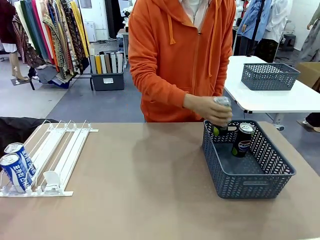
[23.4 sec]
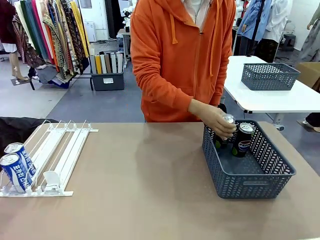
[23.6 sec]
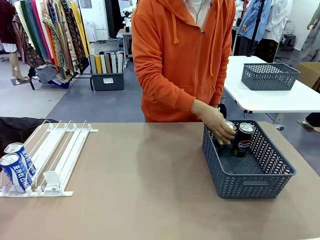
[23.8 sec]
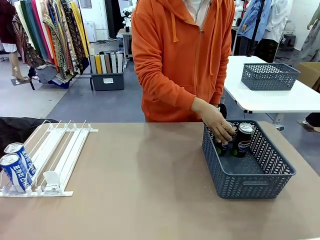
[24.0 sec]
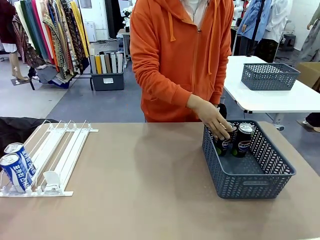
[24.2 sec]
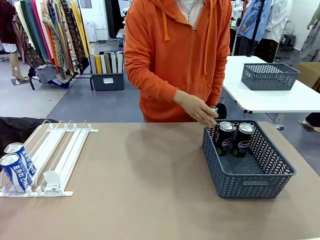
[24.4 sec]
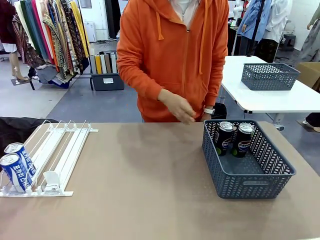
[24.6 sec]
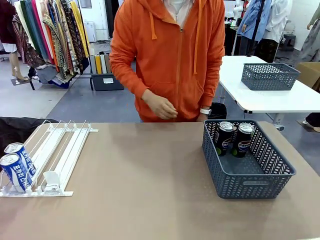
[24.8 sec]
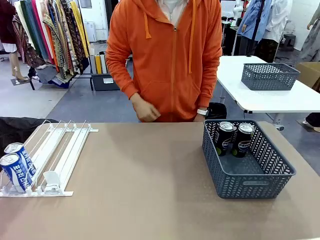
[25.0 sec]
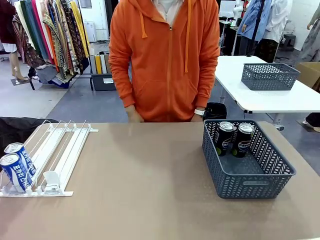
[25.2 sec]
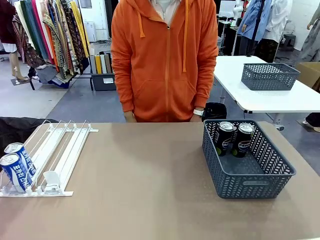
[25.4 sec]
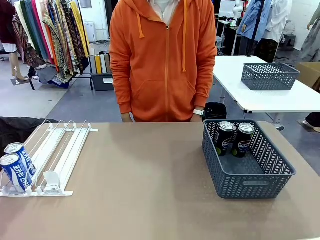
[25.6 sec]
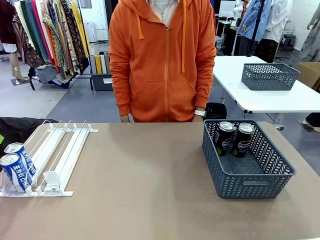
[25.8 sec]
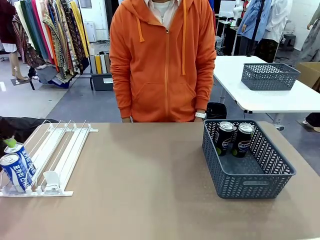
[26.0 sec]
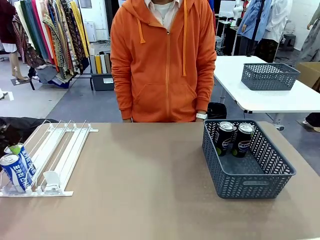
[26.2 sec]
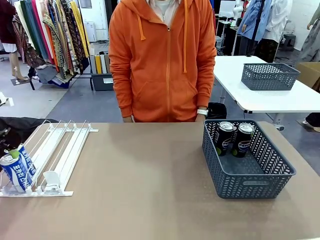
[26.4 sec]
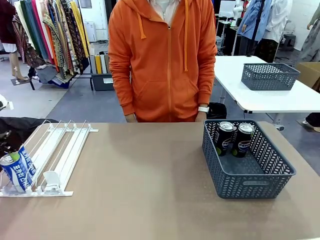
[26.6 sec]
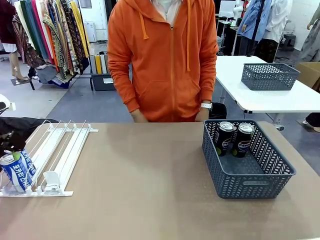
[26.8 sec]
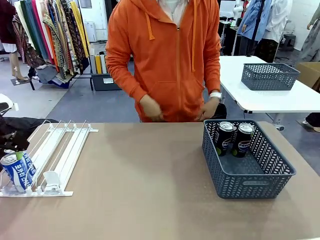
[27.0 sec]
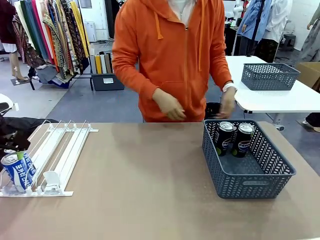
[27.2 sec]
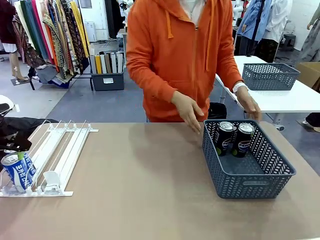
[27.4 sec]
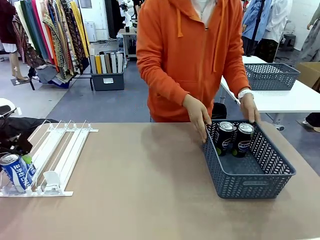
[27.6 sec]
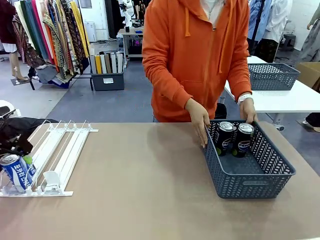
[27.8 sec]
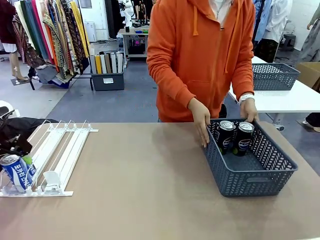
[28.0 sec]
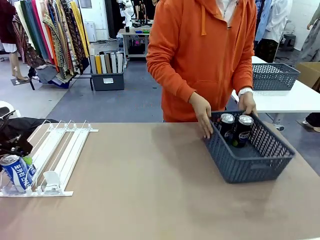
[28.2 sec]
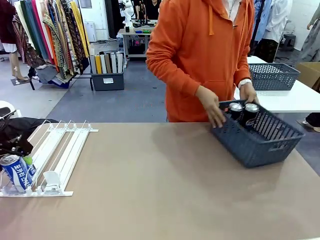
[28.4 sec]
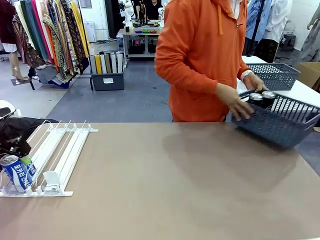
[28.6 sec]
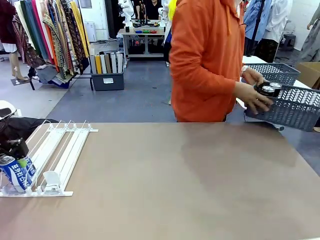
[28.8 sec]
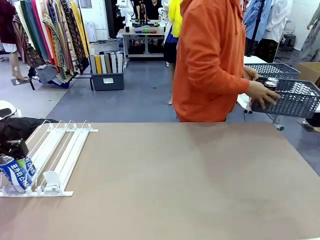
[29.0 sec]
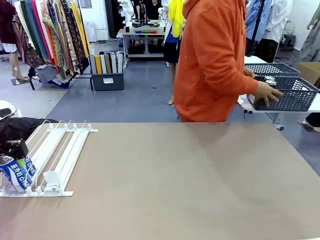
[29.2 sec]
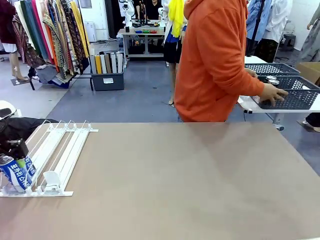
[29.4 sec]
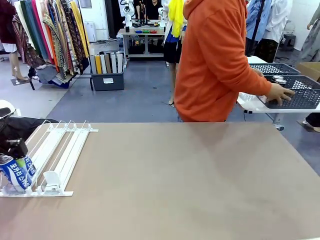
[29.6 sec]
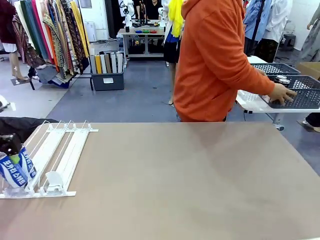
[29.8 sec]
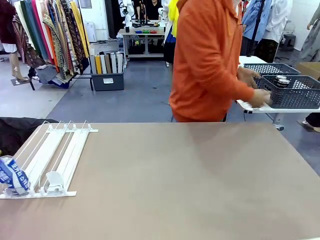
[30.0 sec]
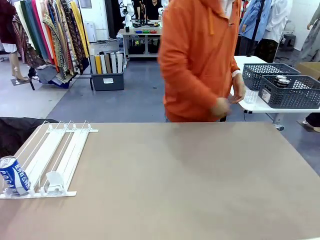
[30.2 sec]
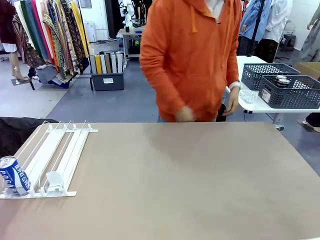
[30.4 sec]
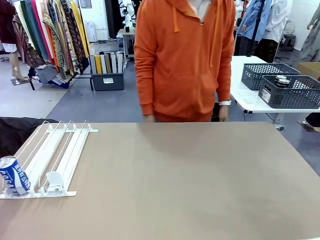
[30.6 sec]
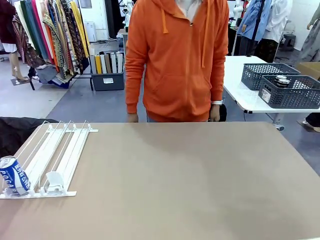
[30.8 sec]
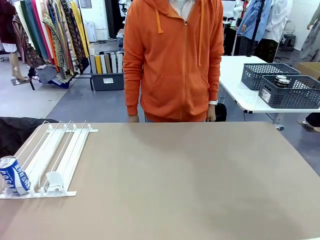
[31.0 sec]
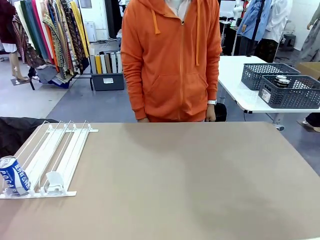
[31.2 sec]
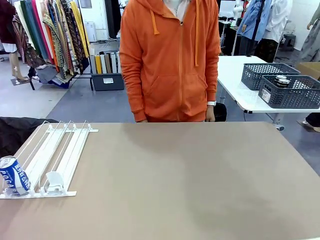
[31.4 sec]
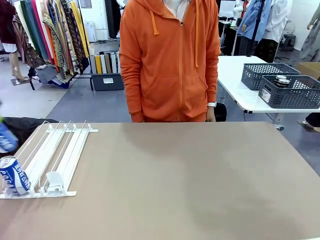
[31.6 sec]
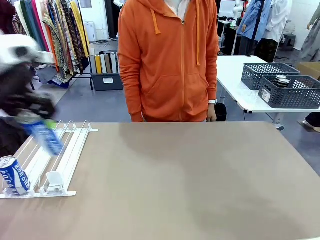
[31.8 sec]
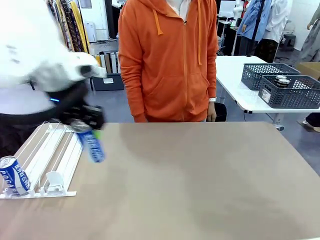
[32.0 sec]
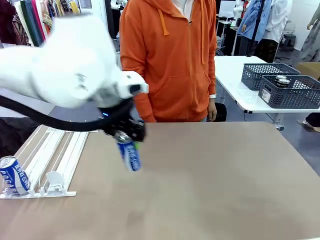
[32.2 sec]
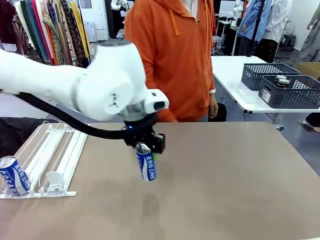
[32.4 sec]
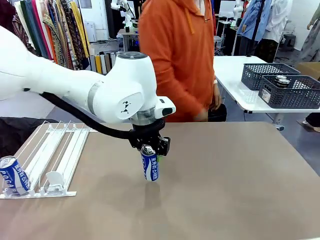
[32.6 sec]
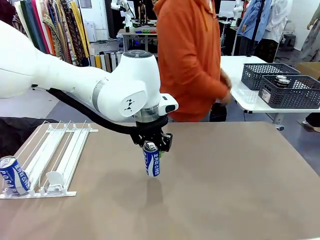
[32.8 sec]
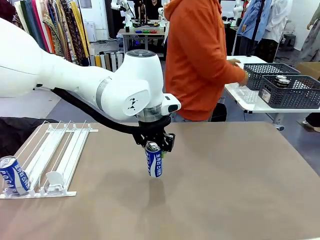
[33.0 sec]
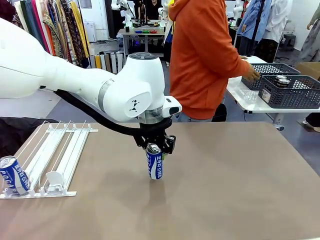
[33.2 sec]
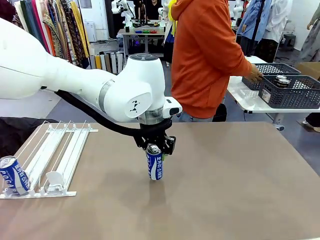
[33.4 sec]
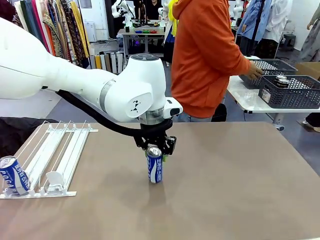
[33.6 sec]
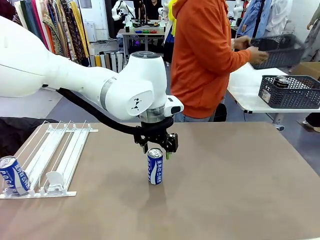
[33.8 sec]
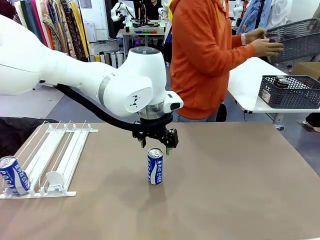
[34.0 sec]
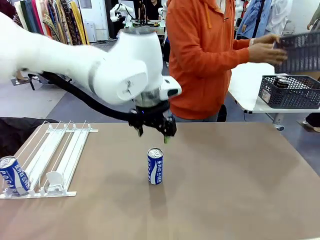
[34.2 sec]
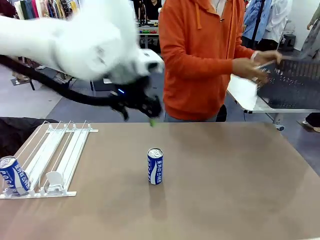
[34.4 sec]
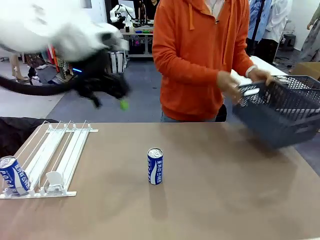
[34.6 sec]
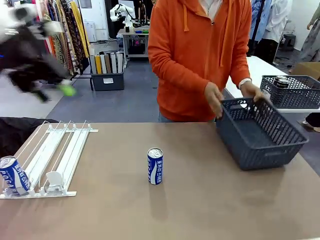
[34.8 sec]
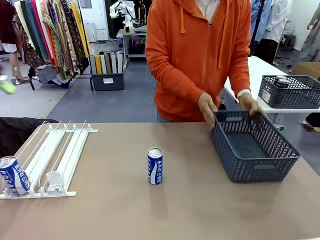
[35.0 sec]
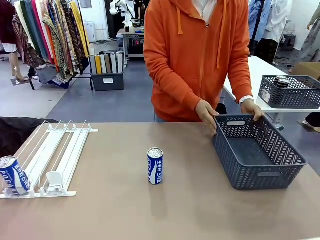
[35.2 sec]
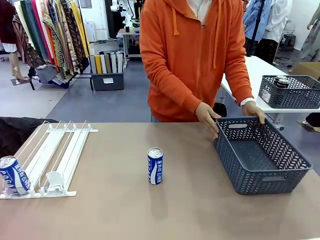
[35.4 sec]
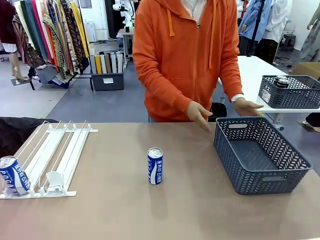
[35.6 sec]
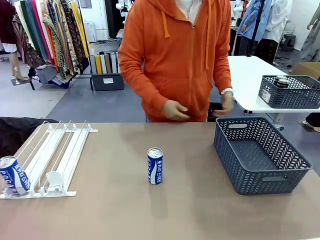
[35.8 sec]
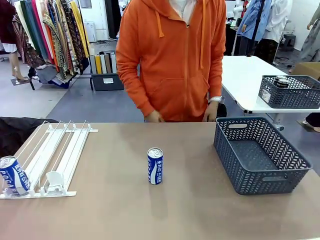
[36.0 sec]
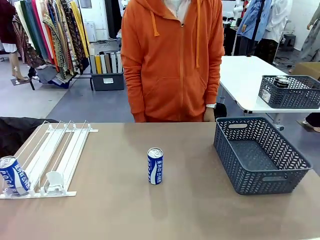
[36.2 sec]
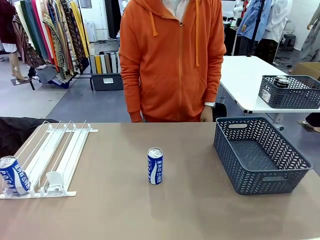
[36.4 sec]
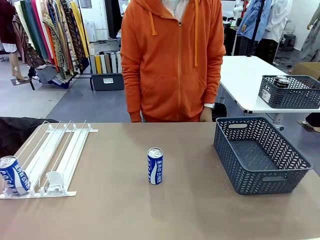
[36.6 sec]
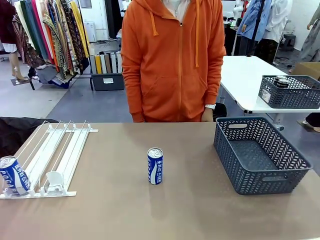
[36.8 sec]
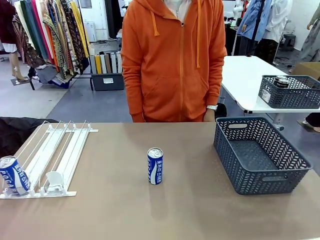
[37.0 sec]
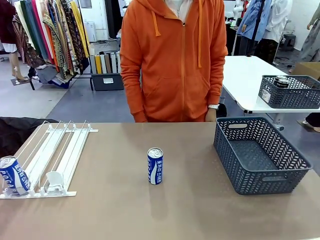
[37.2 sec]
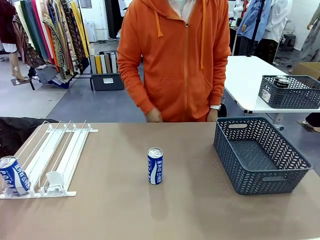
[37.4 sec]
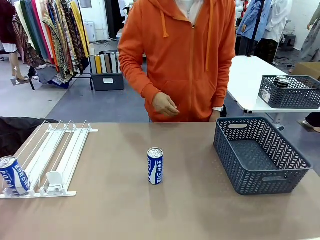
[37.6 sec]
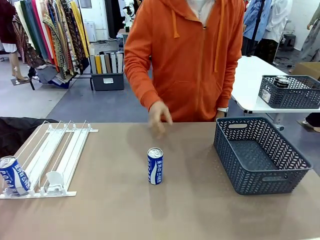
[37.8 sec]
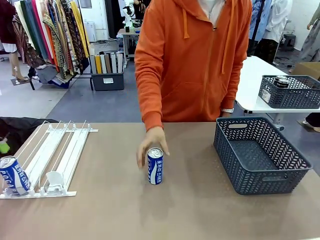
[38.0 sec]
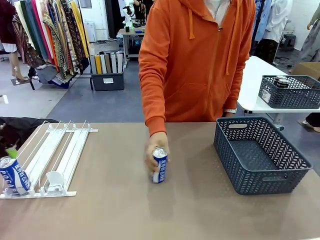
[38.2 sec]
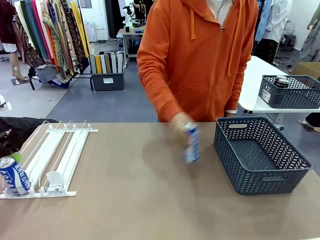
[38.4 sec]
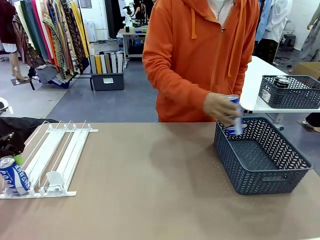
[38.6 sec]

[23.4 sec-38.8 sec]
Task: Retrieve and store the cans from the dispenser.
Robot: Pick up one can from the Automatic Can Dispenser and place it in the middle of the table.
Person: Pick up the basket and place it in the middle of the human table. Pick up the empty basket and place it on the left side of the robot table.

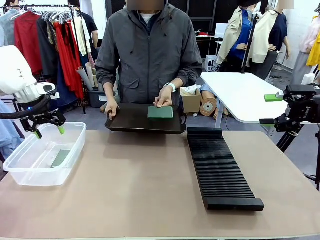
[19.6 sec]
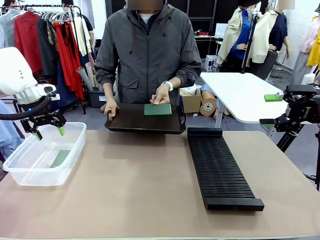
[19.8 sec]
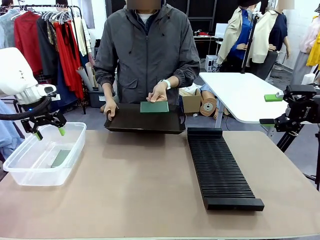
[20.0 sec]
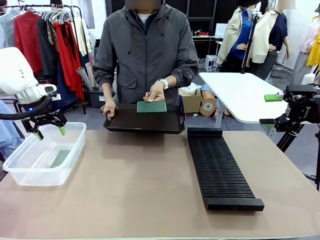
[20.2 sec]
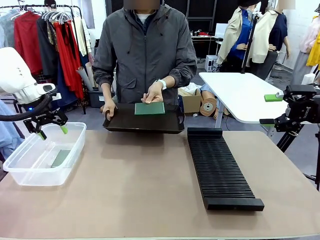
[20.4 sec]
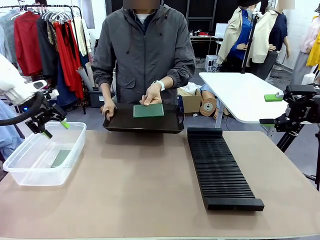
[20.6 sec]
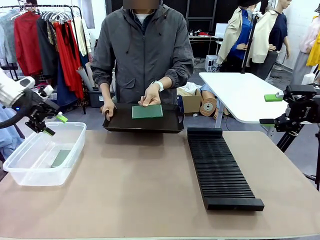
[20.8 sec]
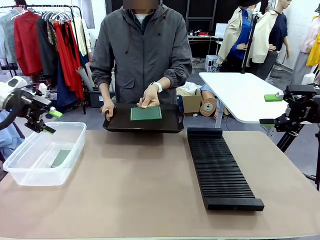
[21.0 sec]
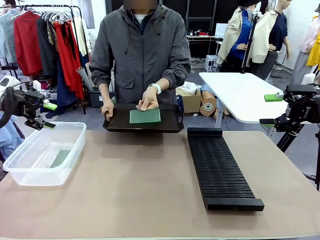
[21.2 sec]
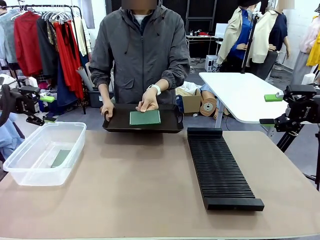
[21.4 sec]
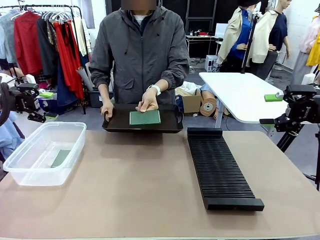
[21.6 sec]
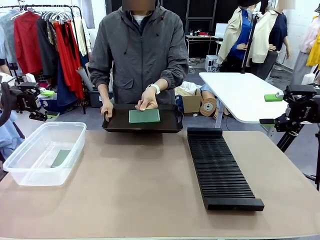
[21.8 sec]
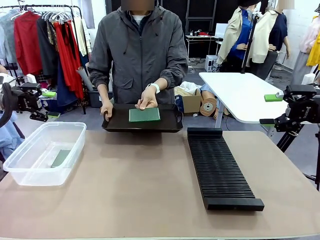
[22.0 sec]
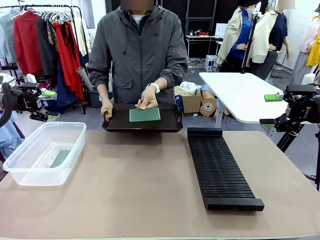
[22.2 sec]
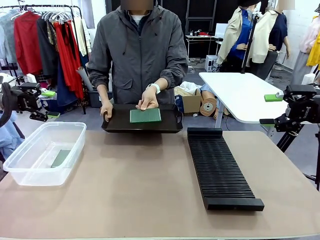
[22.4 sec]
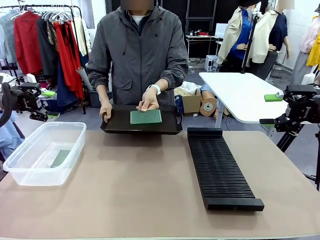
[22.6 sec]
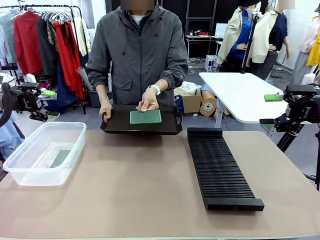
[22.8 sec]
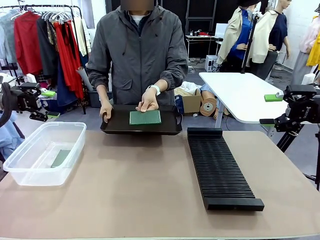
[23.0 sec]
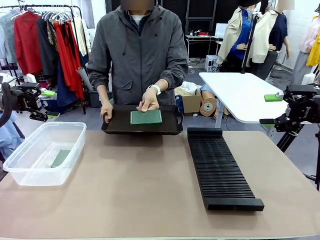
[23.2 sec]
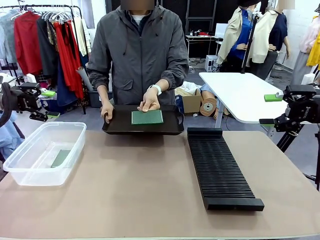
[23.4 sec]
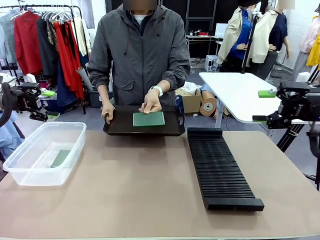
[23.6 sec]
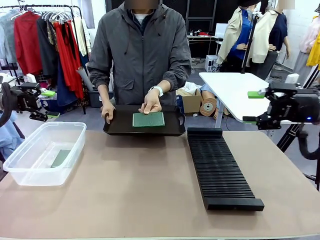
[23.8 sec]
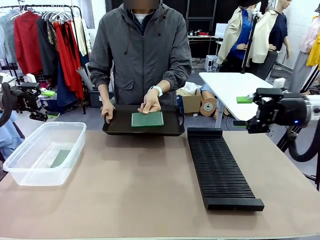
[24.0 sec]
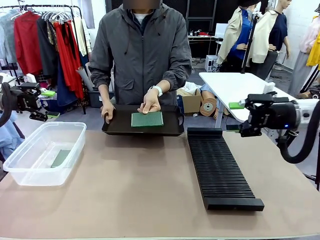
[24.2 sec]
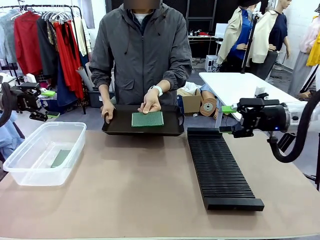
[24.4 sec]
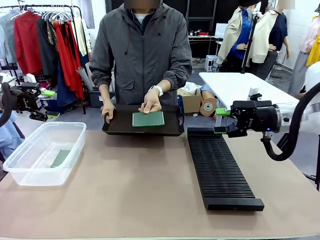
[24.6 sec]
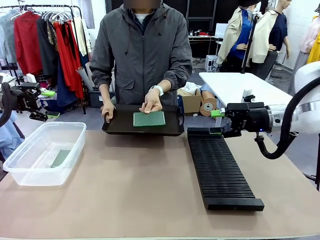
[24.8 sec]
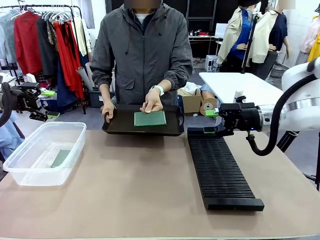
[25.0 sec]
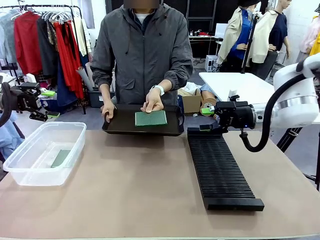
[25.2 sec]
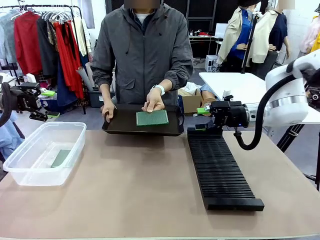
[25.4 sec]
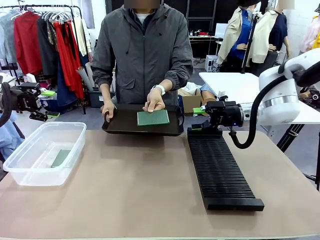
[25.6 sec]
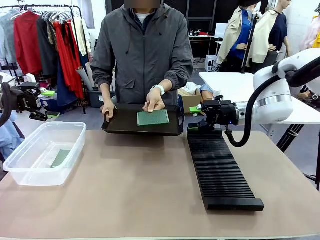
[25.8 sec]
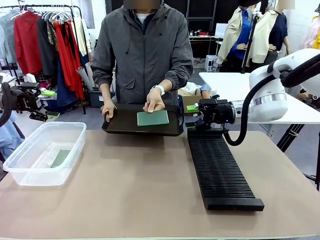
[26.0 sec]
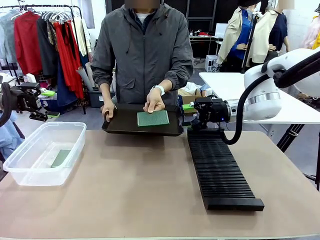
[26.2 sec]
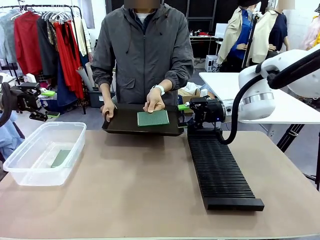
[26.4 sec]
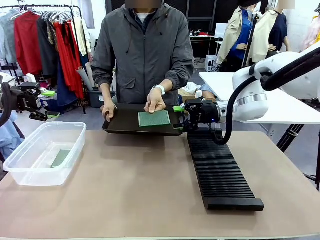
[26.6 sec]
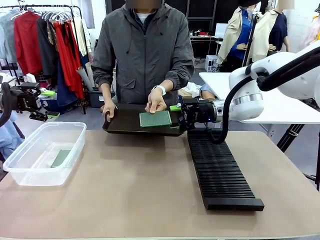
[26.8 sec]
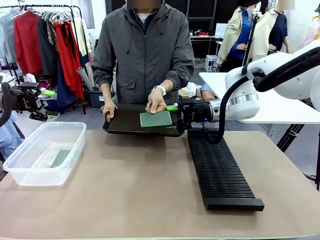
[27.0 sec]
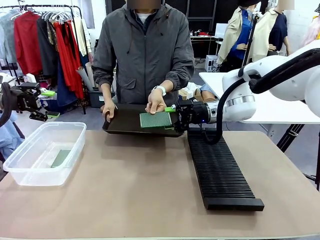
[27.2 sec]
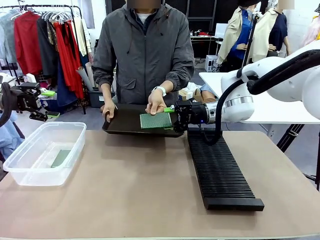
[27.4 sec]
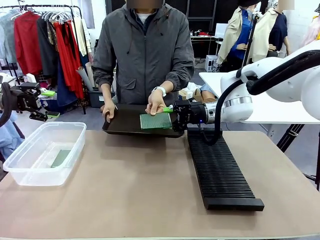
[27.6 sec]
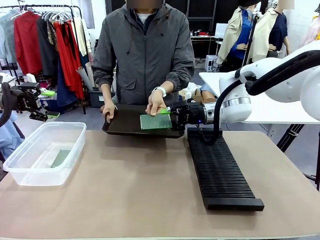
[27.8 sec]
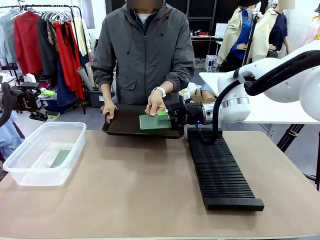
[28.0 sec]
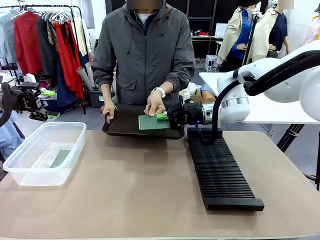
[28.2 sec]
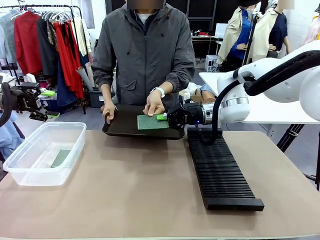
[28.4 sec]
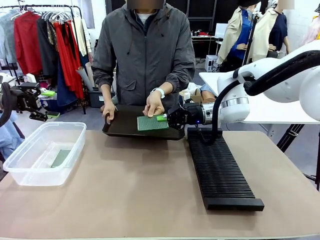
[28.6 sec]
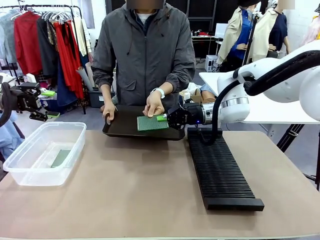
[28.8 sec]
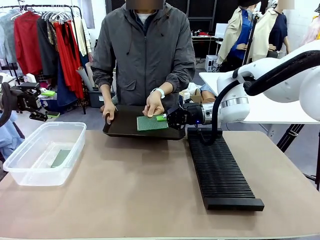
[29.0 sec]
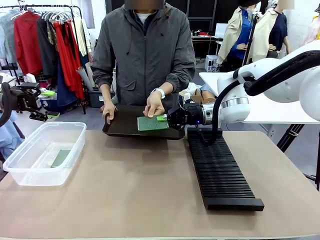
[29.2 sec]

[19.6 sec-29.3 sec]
Task: Sort PCBs into racks and boxes based on the side picked up.
Robot: Pick up the Blank PCB handed by the Human.
